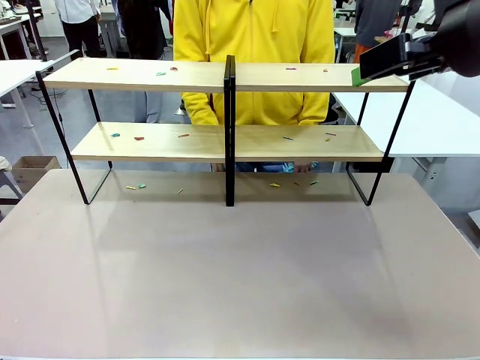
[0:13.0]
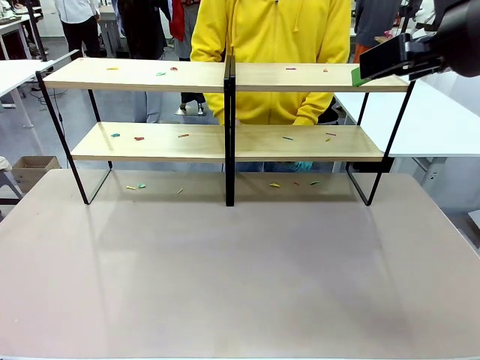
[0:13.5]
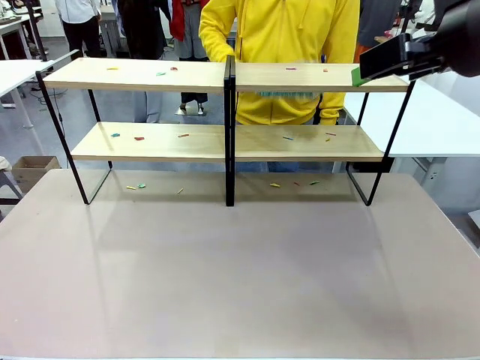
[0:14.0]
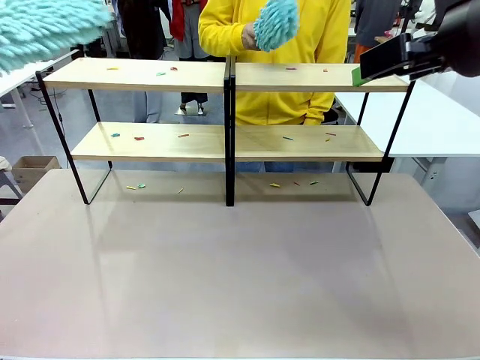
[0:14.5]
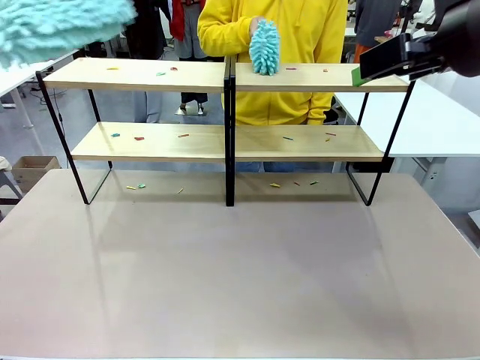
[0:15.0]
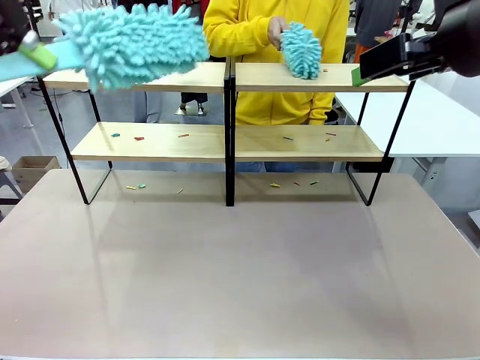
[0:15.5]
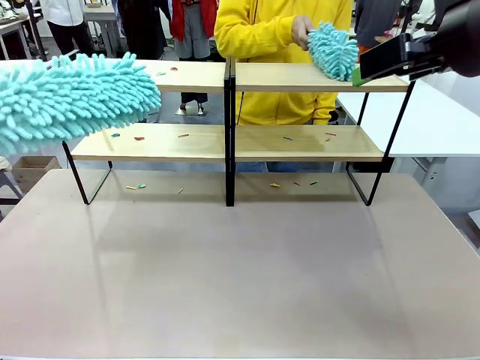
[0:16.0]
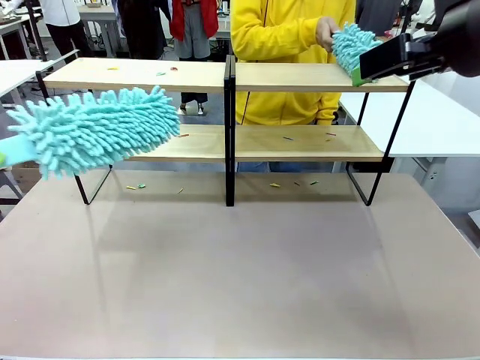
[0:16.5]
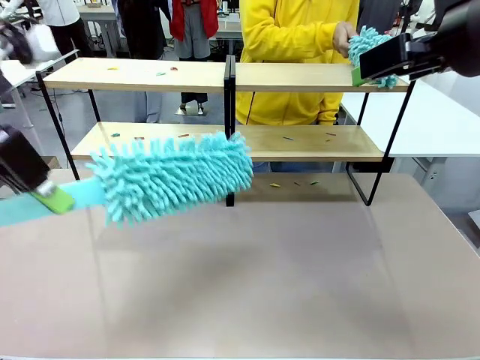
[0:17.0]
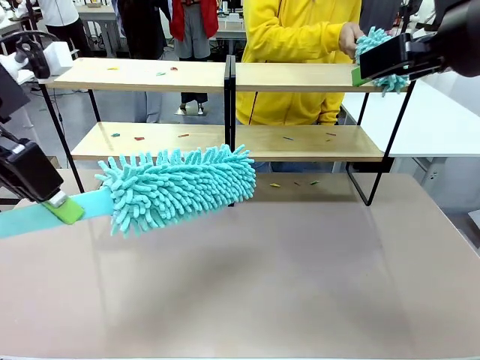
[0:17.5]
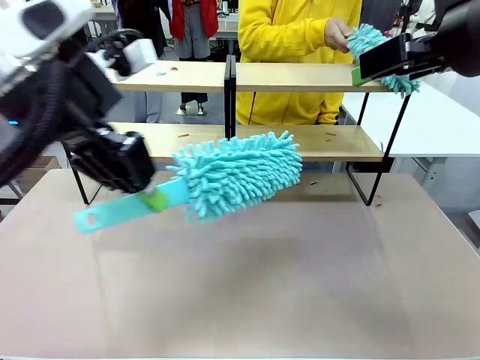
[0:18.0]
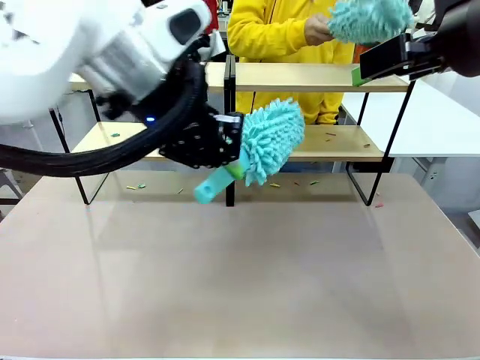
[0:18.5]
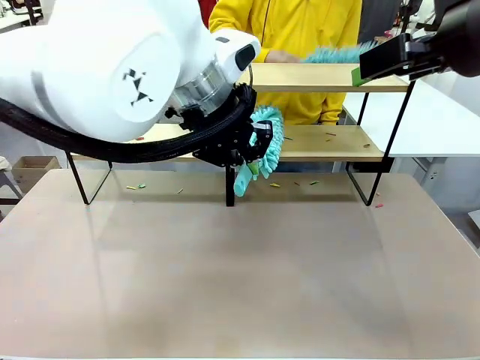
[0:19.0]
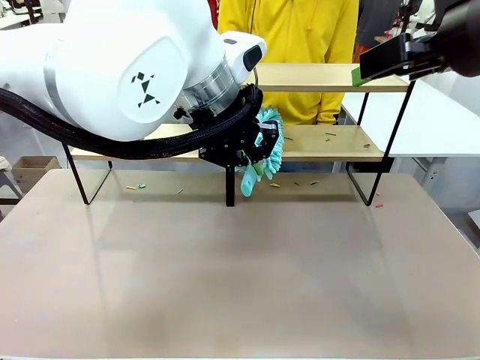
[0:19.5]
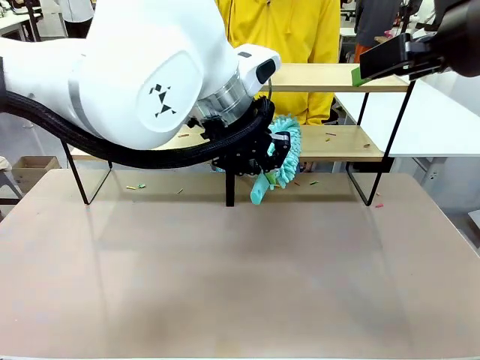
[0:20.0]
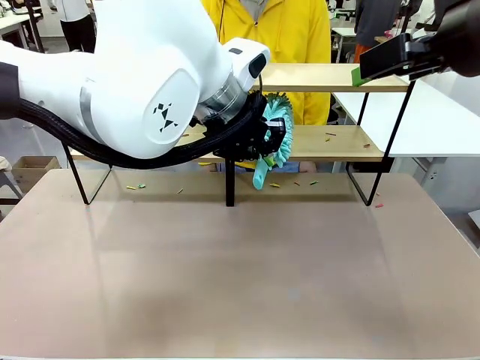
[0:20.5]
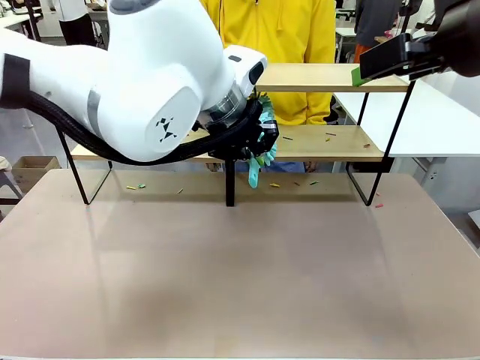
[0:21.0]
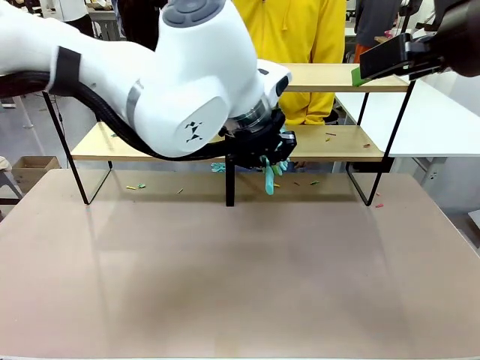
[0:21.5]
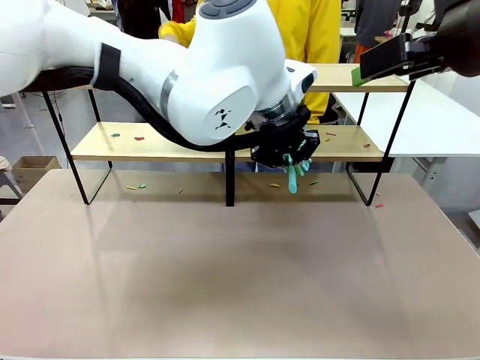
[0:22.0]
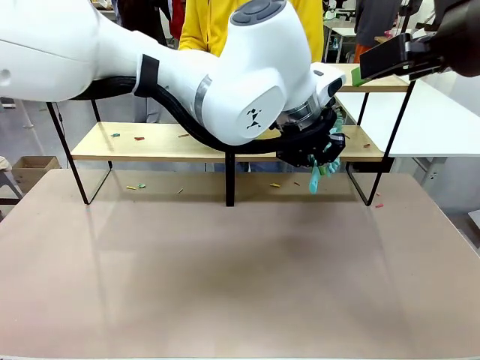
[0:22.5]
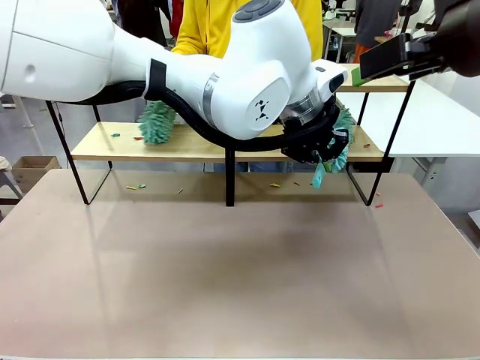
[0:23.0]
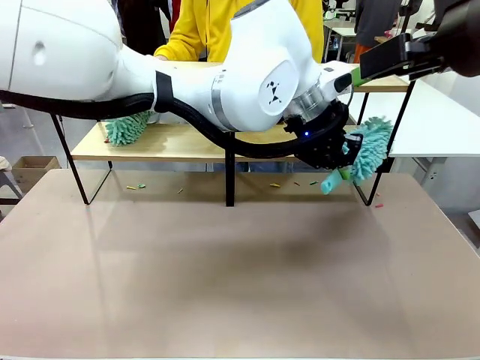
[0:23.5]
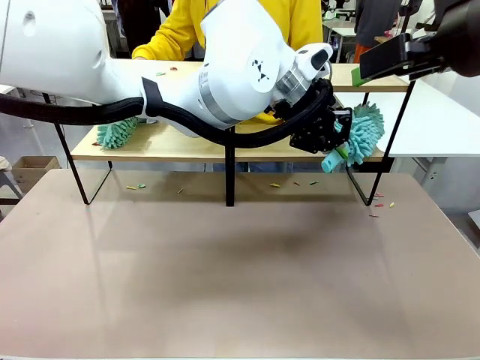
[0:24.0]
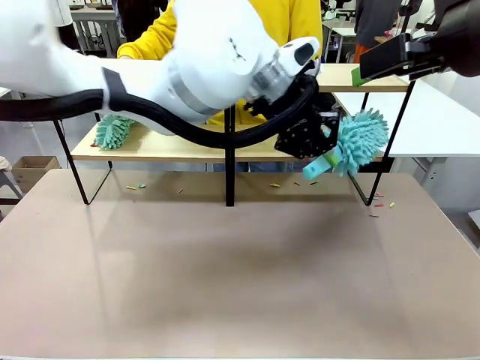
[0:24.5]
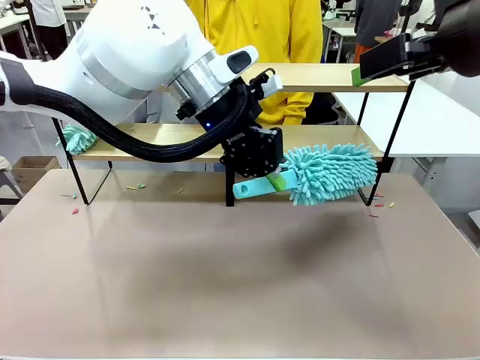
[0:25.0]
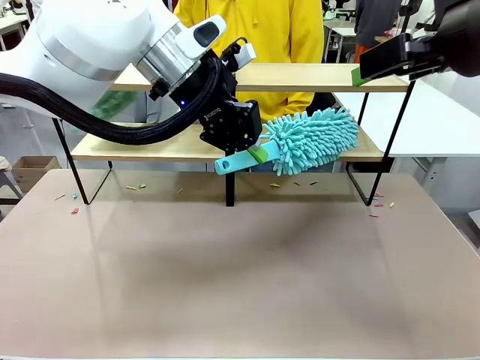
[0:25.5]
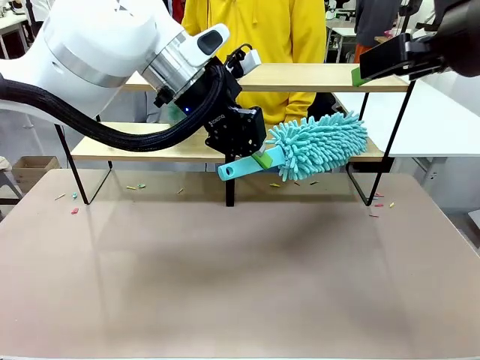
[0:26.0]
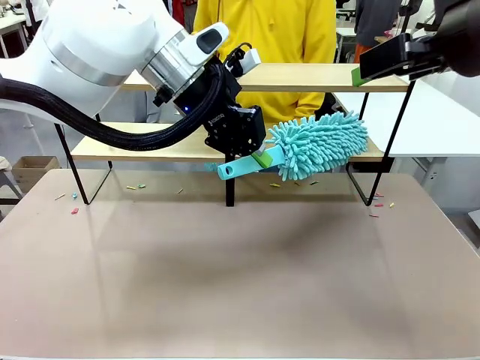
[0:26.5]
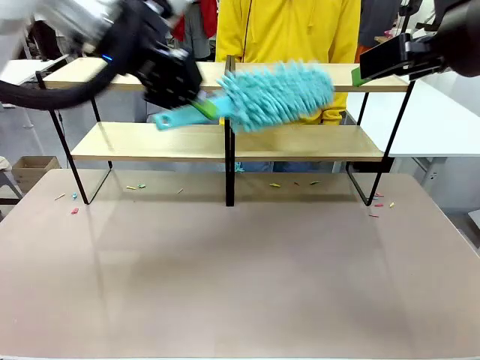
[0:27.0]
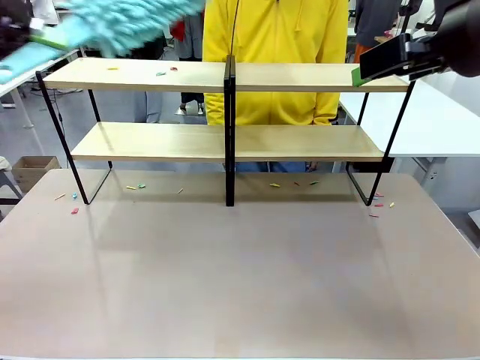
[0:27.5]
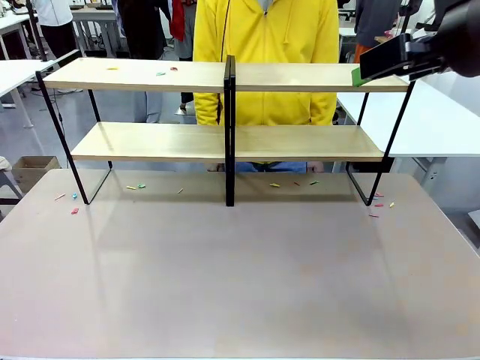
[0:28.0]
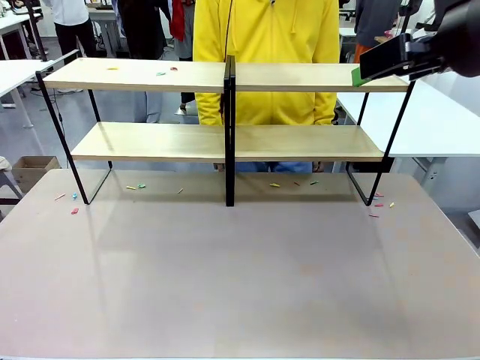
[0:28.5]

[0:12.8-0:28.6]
Task: Clean the shelves.
Robot: Clean a randomly selected level of the Shelf with the Duster.

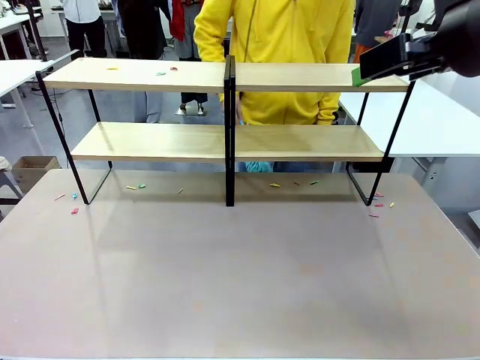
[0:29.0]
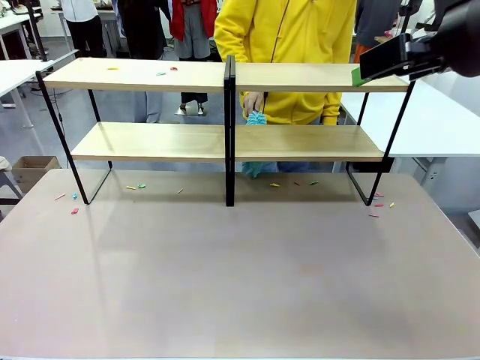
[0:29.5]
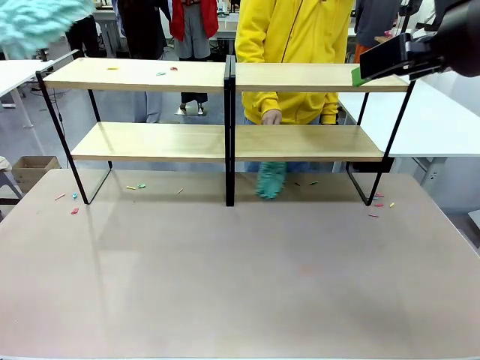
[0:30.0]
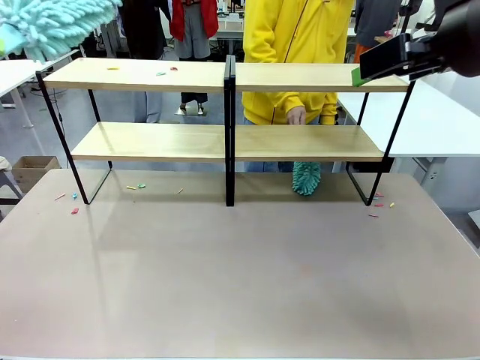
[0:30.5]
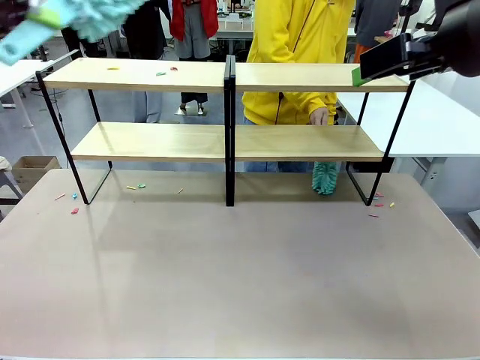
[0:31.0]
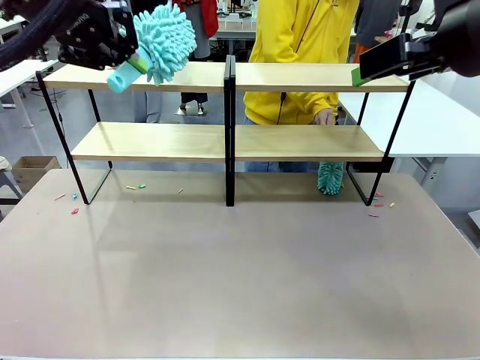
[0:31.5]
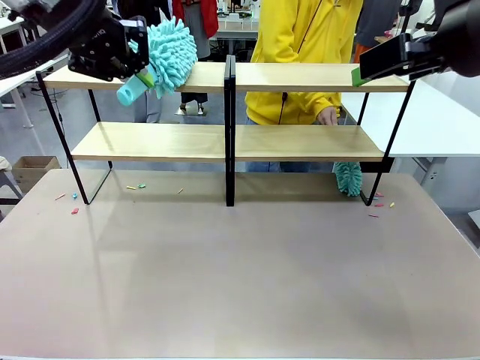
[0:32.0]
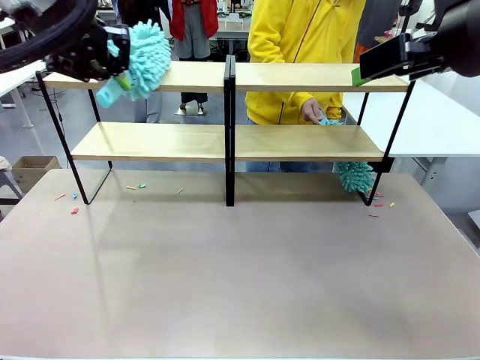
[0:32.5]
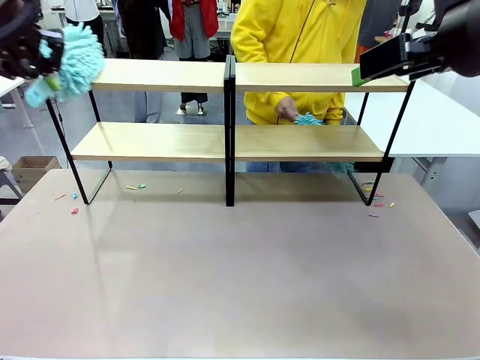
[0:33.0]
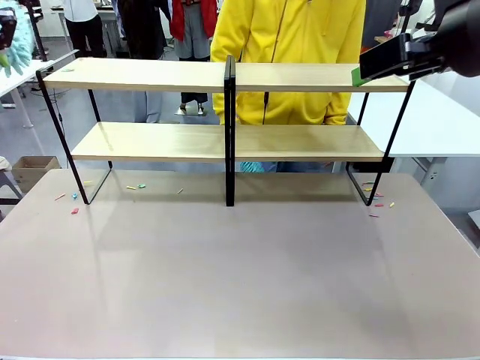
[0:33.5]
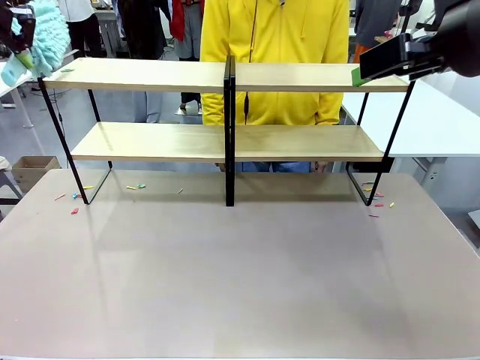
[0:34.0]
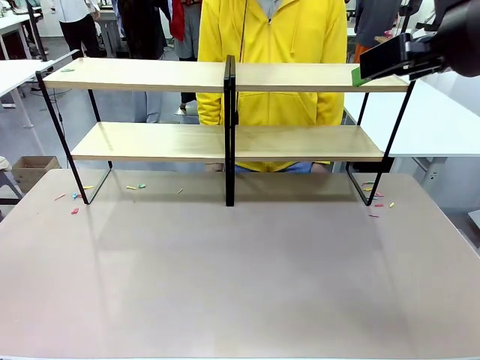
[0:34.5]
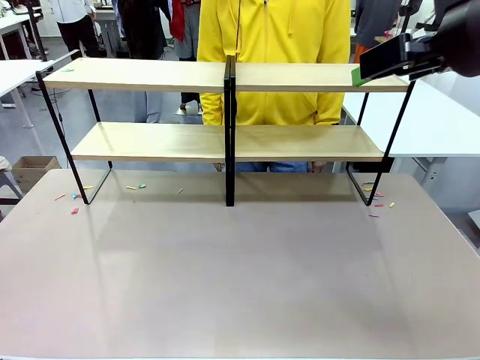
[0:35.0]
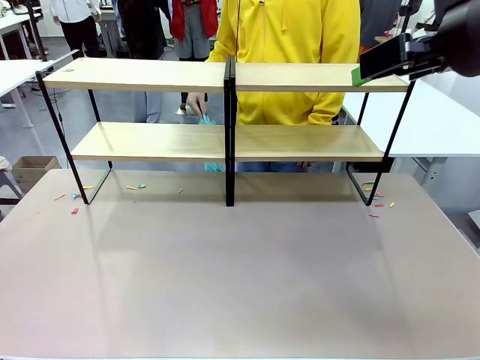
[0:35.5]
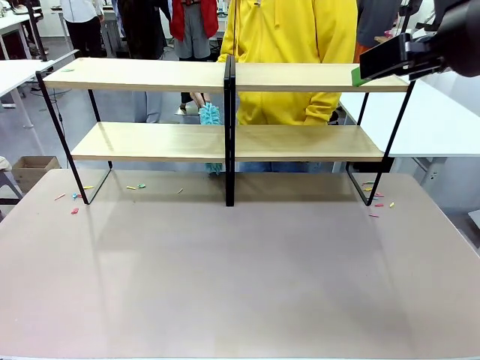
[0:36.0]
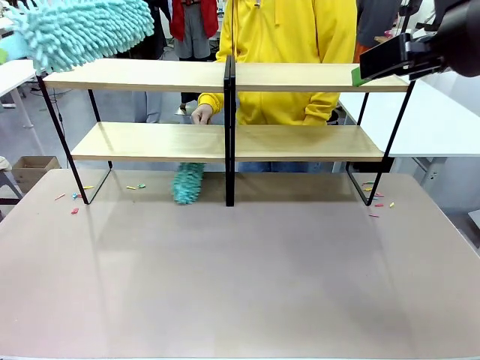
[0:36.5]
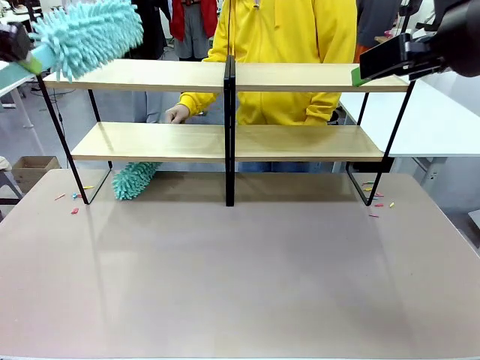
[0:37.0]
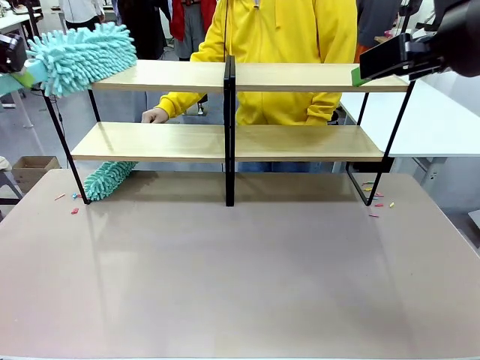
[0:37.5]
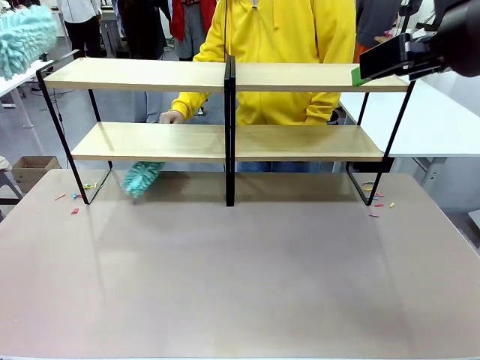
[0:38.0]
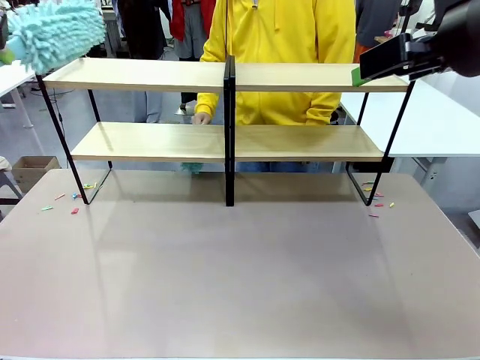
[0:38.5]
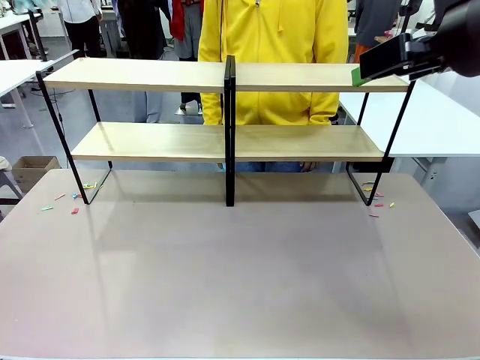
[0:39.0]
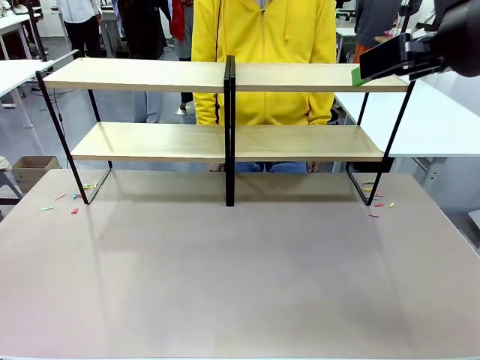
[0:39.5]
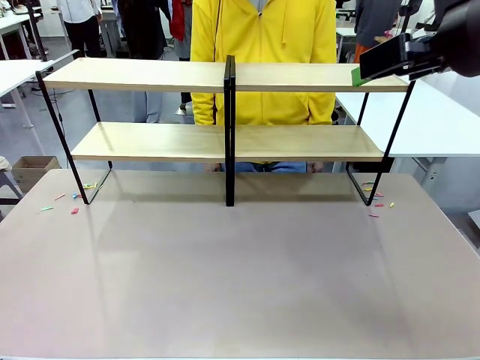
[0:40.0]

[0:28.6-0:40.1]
Robot: Clean another randomly selected level of the Shelf with the Duster.
